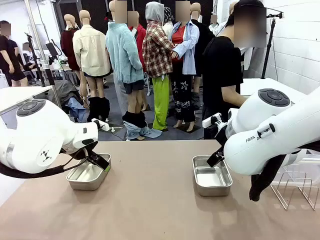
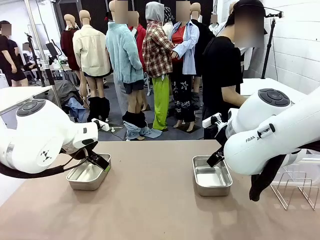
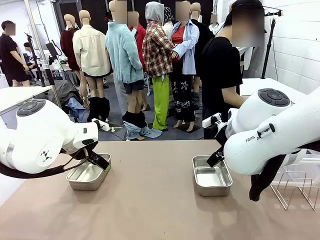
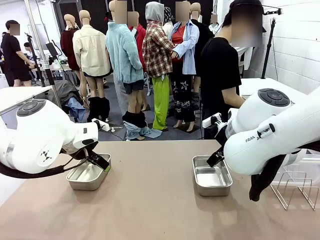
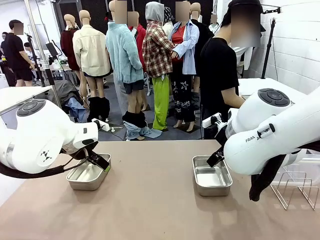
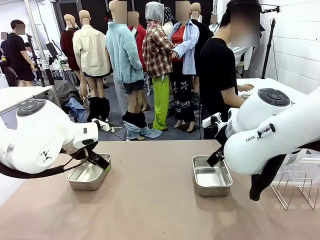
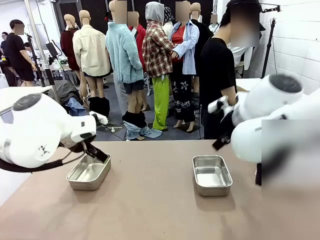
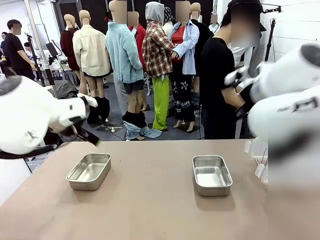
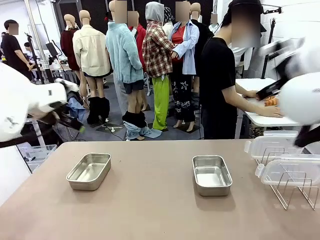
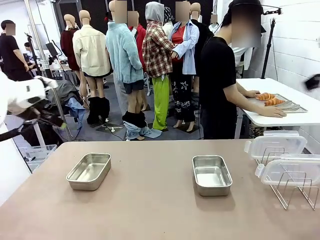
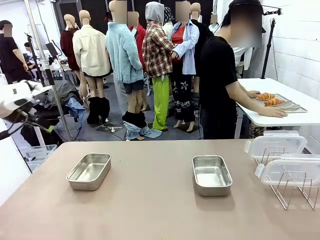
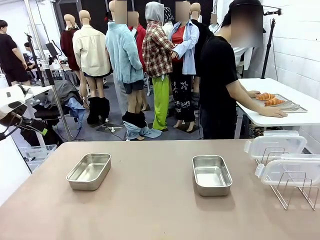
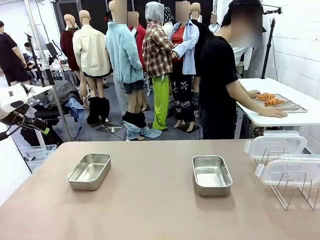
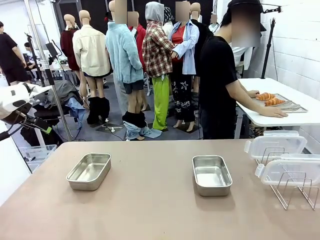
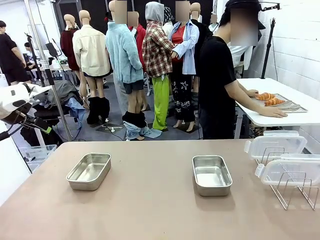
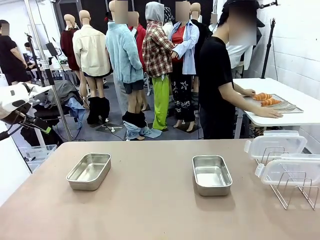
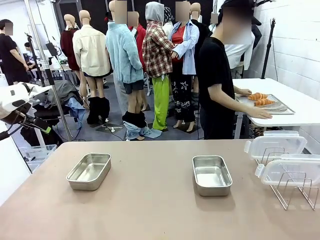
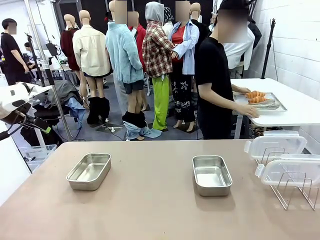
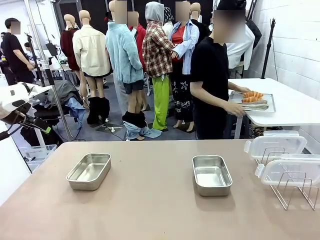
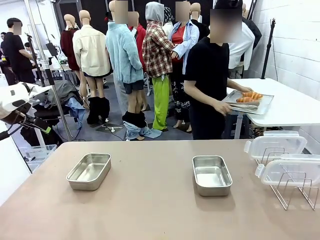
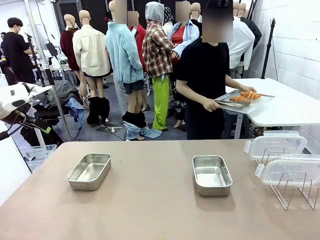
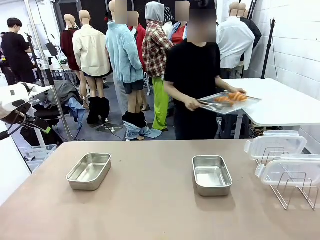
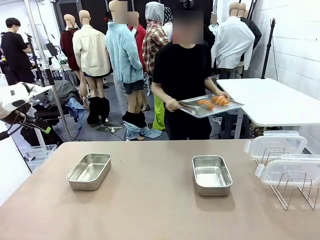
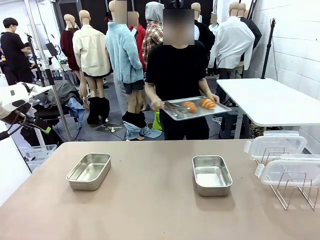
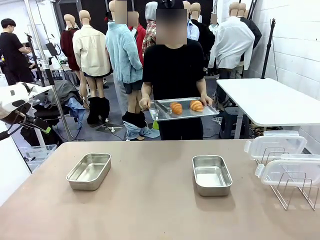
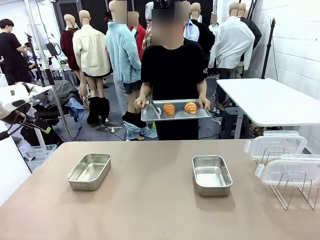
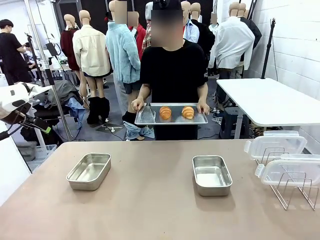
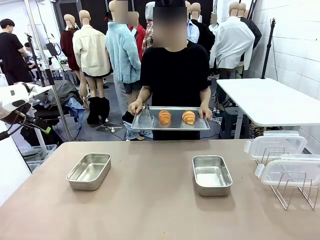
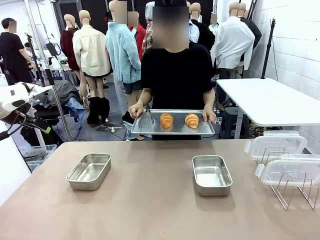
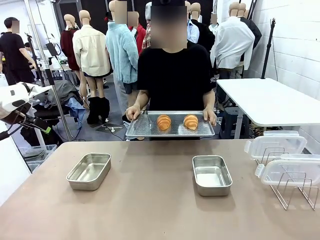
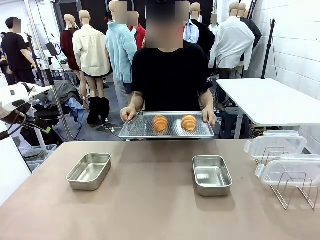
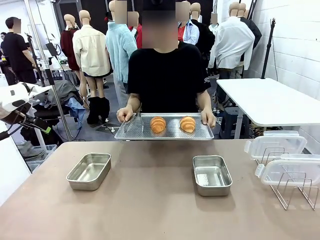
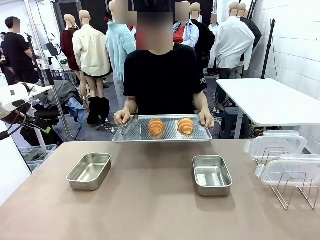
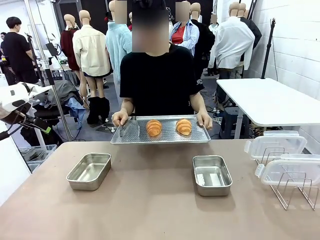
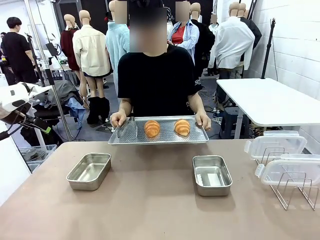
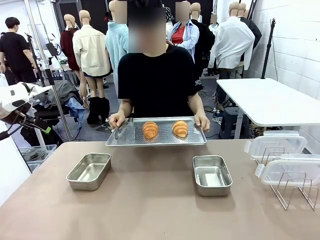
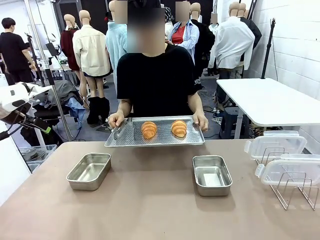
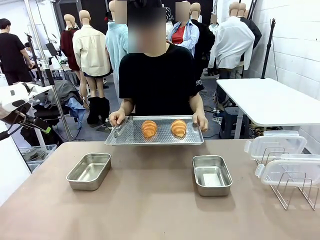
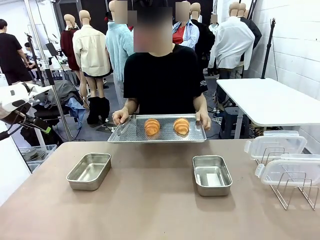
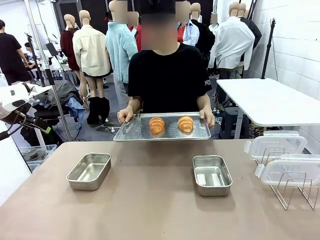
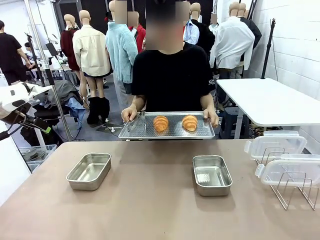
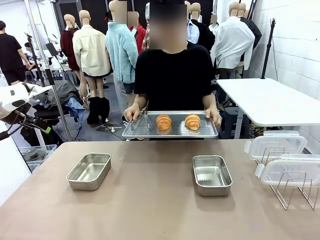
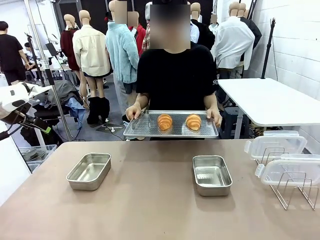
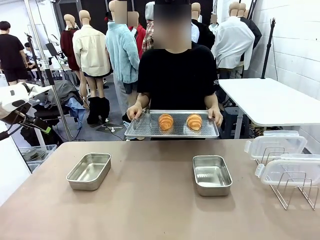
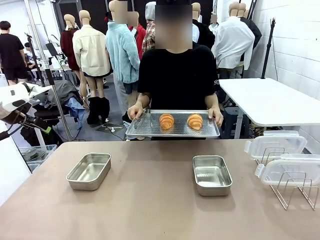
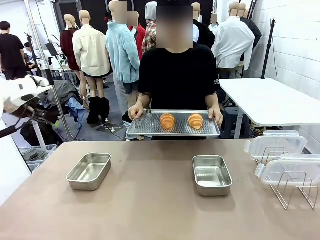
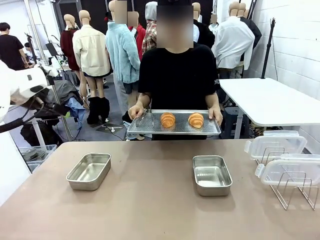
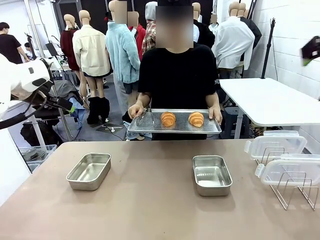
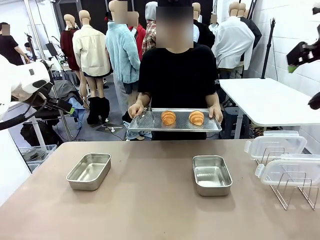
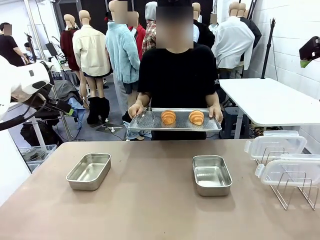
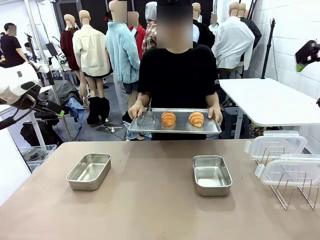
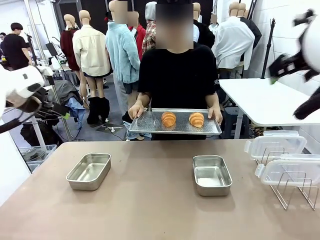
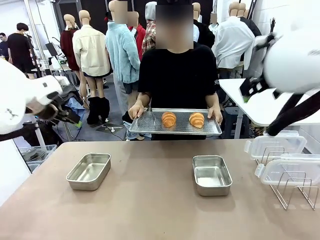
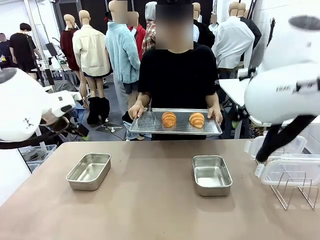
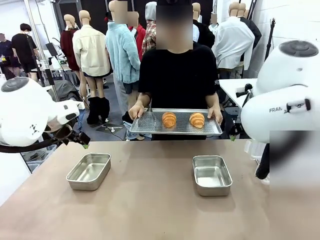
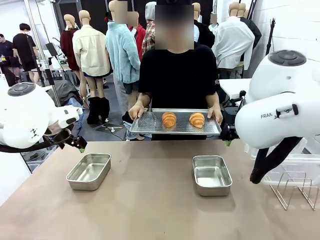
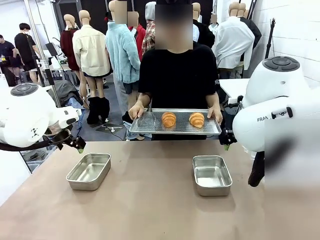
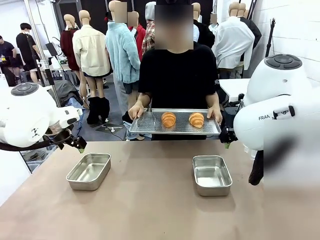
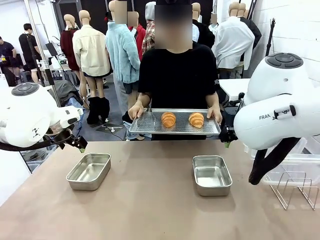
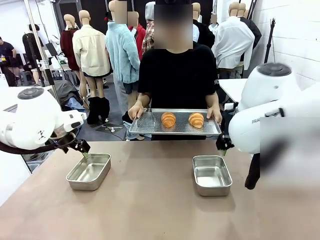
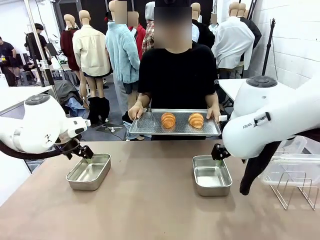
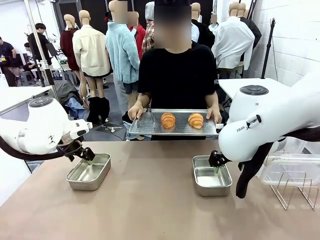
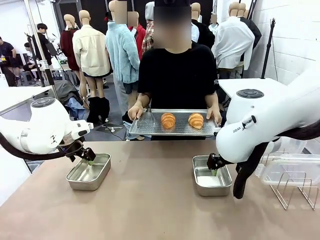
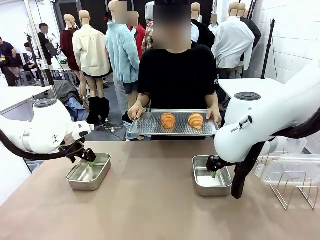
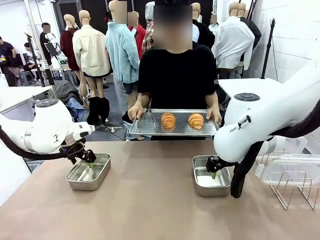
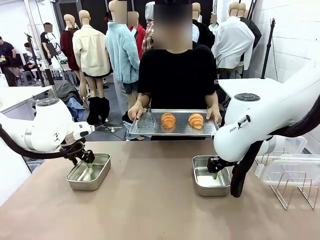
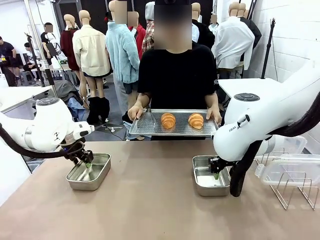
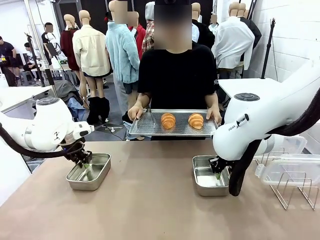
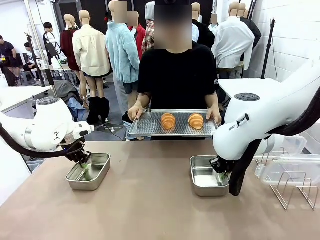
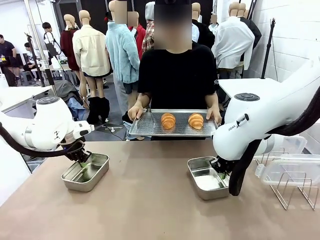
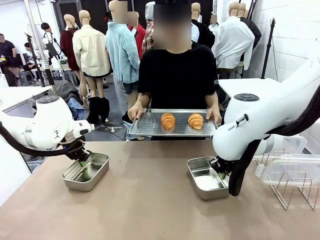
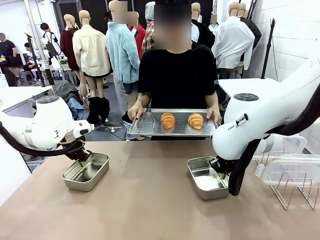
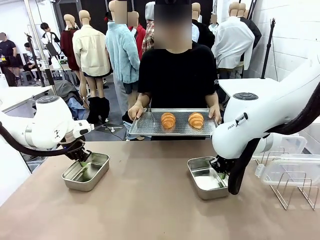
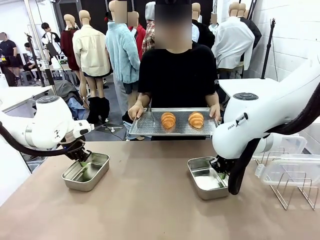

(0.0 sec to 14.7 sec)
Task: Place the bread in airtight containers.
Robot: Lift both Airtight Container.
Person: Bring the Baking Sheet in front of Robot's Table.
